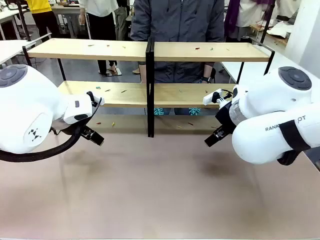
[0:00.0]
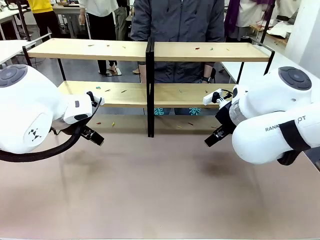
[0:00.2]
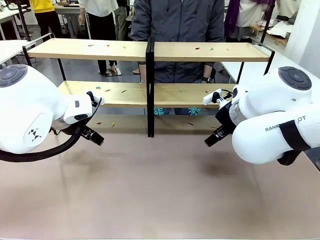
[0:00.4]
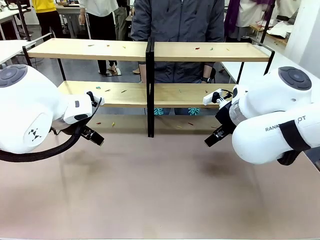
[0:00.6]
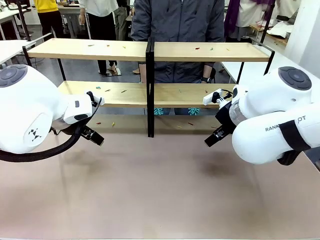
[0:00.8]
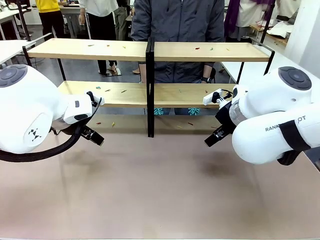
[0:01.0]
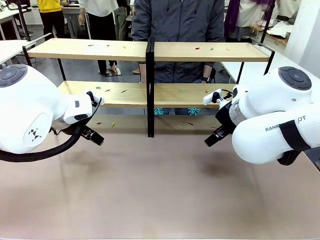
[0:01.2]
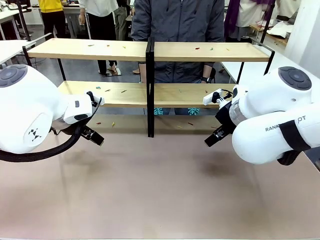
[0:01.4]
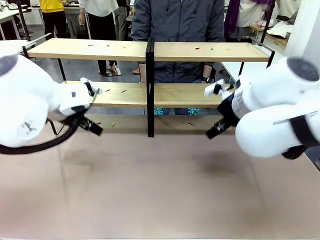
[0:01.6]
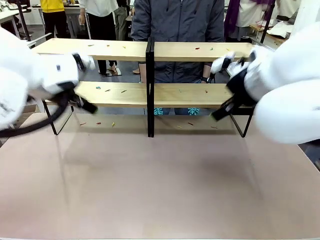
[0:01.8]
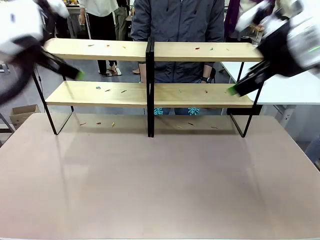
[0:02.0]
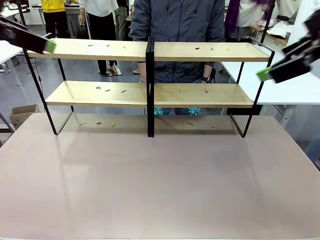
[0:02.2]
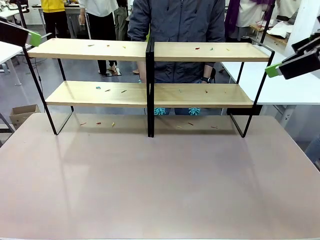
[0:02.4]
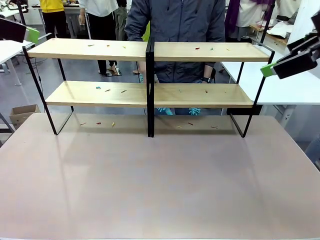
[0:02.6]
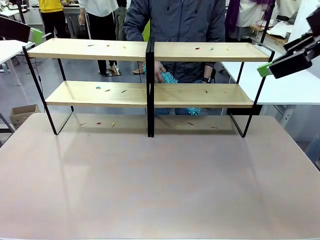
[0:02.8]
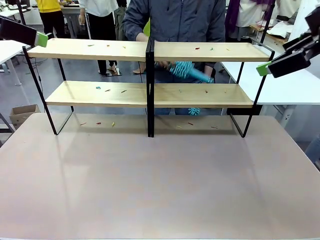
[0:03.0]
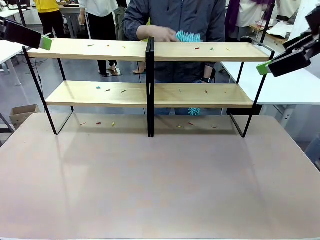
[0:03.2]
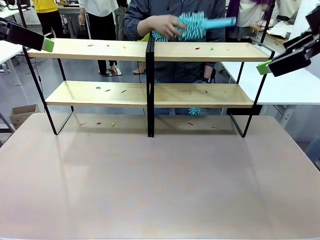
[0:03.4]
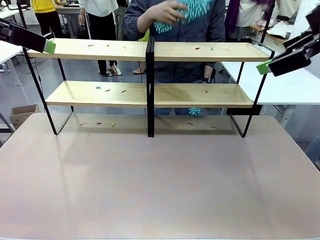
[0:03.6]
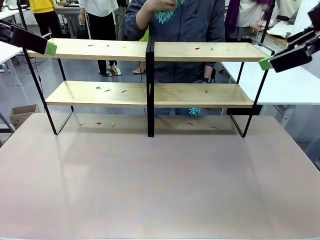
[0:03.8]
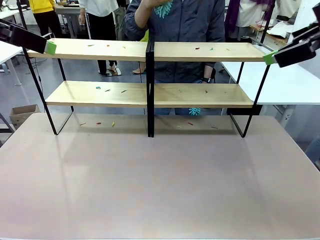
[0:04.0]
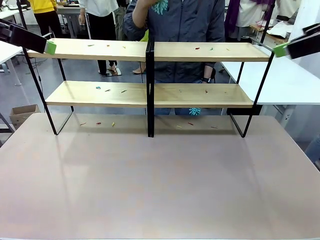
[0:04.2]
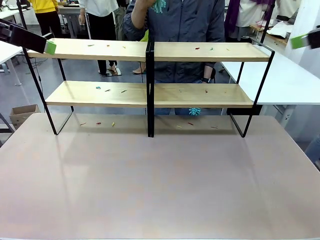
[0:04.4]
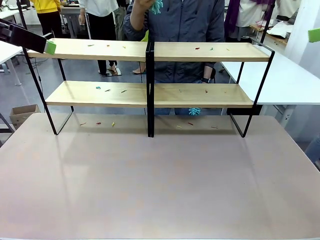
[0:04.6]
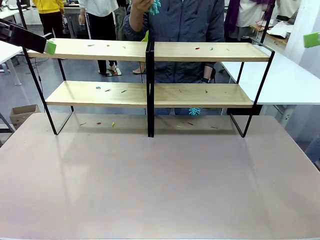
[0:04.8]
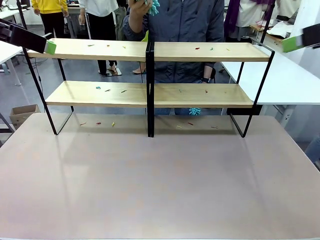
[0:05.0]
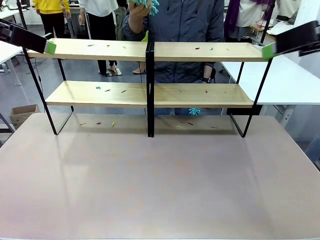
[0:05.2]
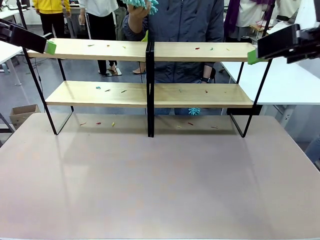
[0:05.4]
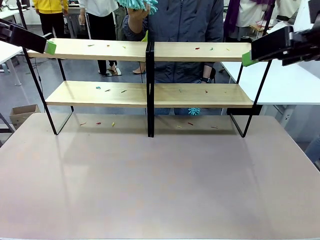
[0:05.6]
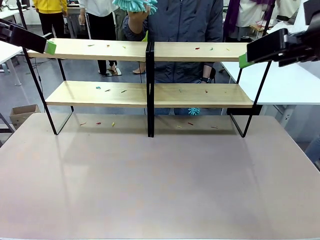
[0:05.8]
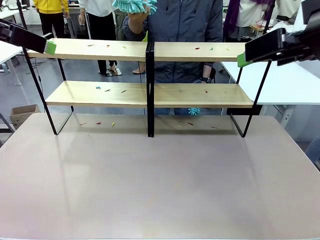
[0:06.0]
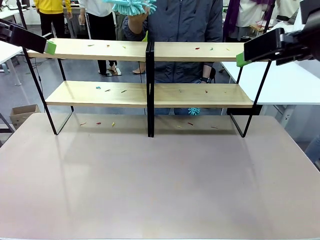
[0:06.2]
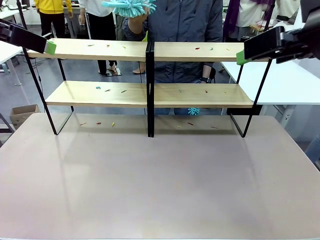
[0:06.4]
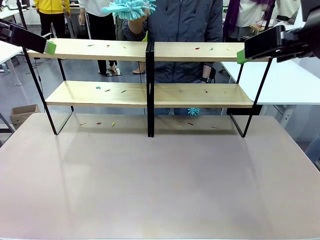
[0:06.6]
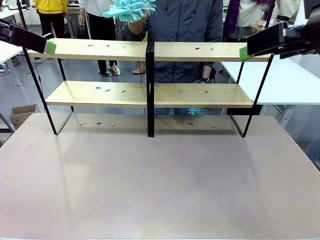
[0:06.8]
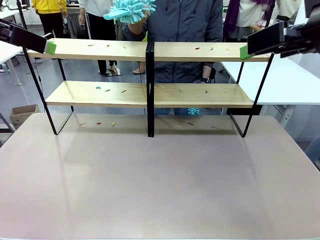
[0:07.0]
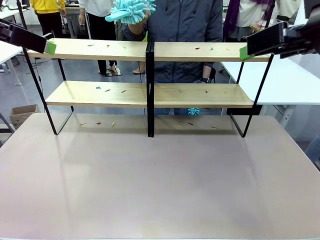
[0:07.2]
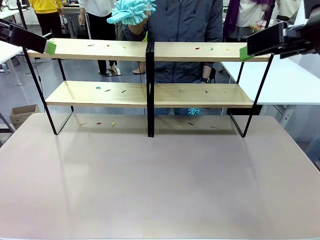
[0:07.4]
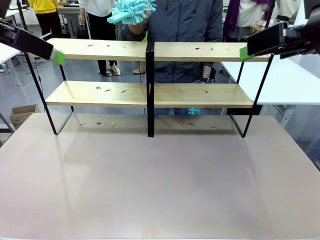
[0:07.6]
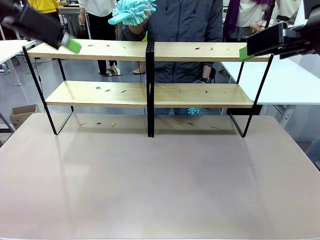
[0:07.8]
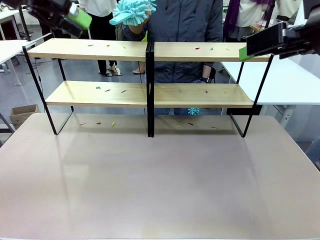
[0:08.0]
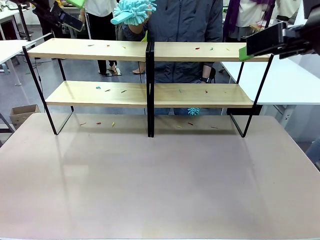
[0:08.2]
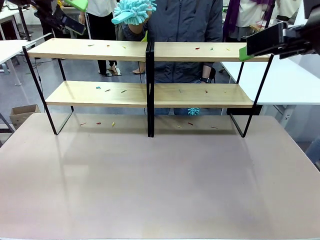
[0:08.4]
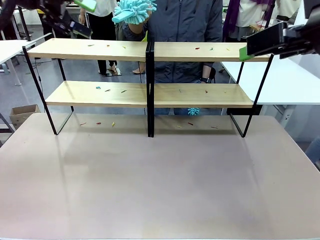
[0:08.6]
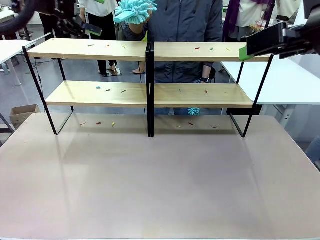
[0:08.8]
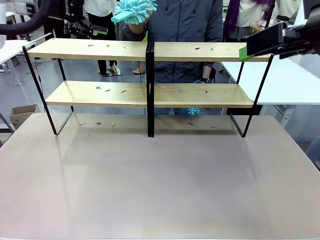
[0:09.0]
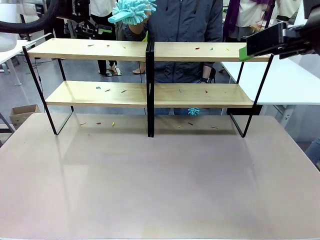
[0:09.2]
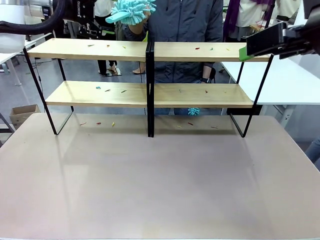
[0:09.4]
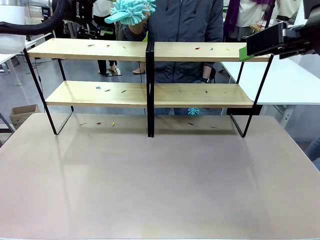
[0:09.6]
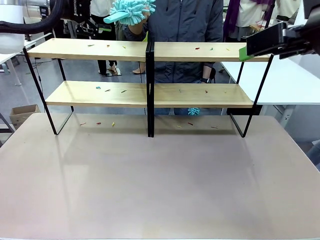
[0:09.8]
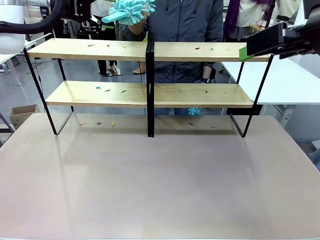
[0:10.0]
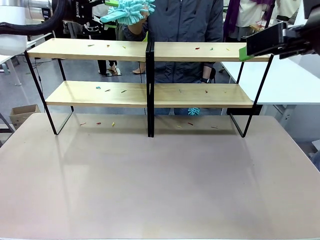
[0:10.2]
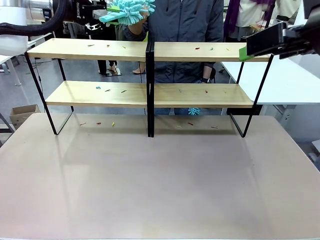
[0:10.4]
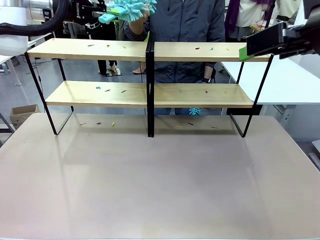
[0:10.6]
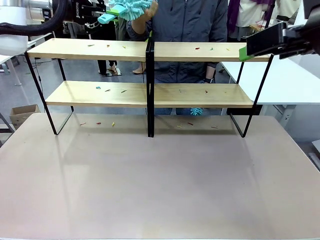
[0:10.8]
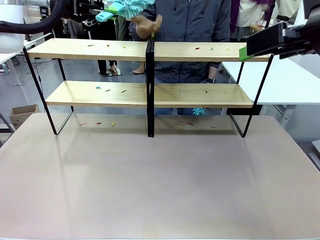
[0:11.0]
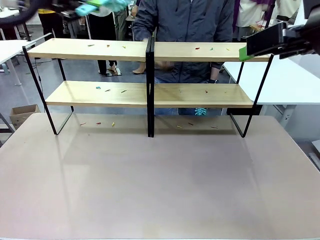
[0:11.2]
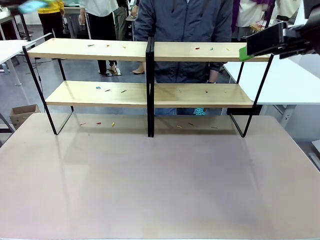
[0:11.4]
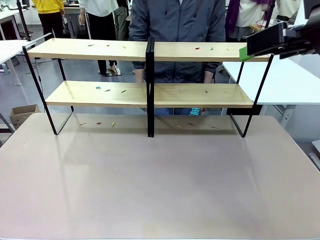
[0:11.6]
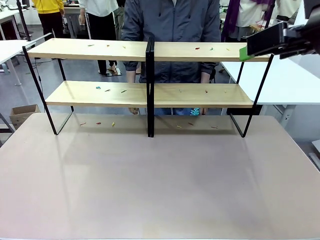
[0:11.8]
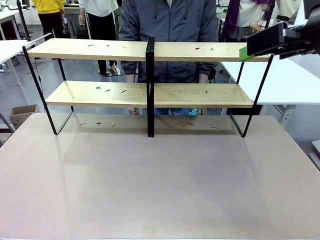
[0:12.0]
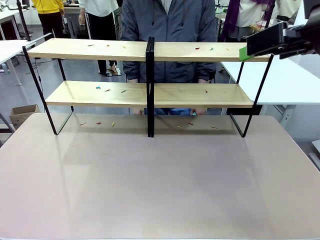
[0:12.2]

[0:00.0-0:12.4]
Task: Clean the shelves.
Robot: Pick up the Duster when the human hands it over.
Person: Hand the Duster to the robot with your right (or left) hand.

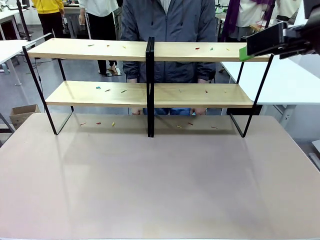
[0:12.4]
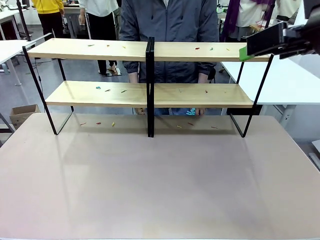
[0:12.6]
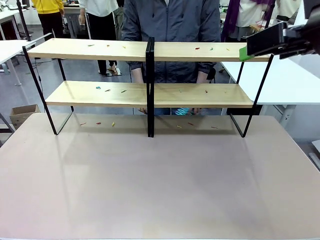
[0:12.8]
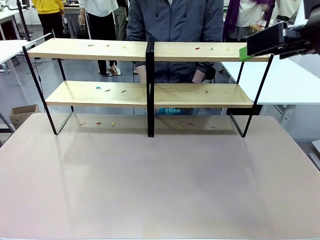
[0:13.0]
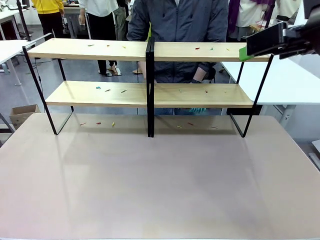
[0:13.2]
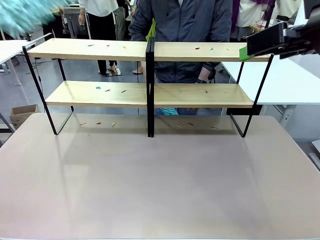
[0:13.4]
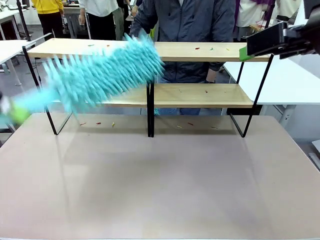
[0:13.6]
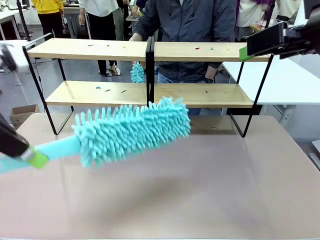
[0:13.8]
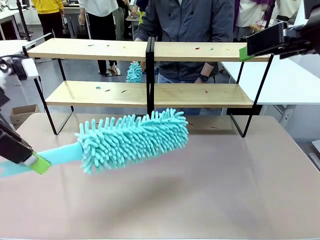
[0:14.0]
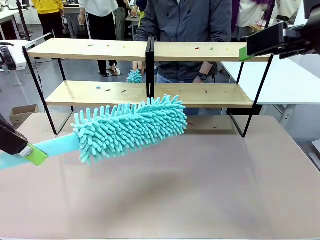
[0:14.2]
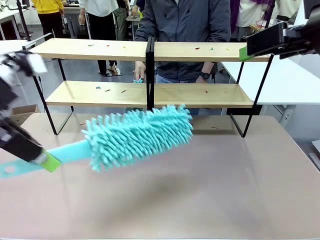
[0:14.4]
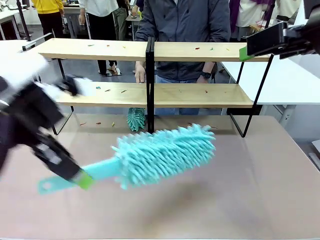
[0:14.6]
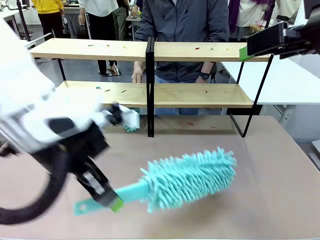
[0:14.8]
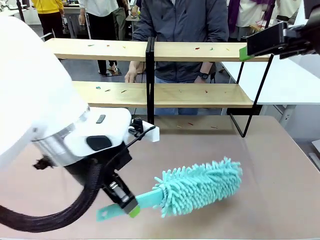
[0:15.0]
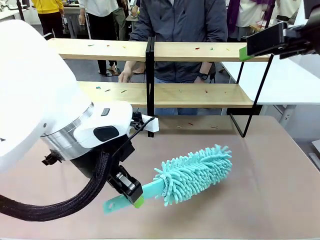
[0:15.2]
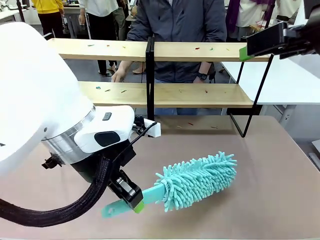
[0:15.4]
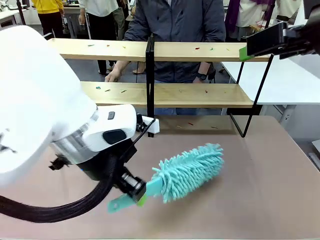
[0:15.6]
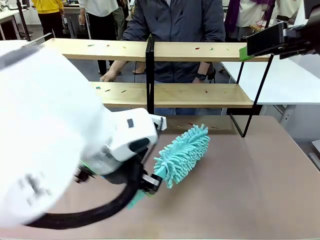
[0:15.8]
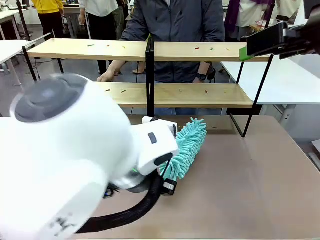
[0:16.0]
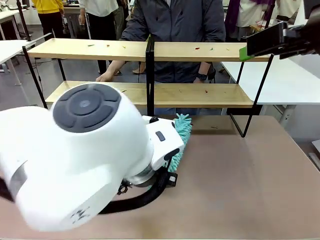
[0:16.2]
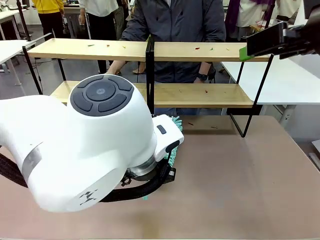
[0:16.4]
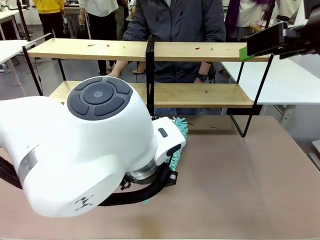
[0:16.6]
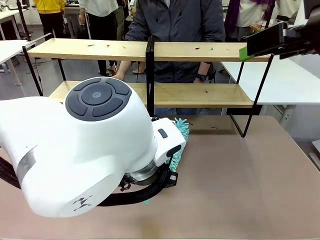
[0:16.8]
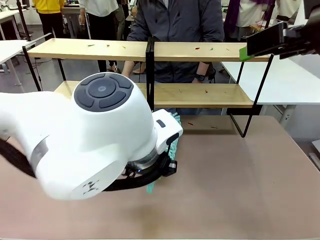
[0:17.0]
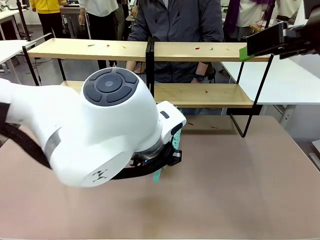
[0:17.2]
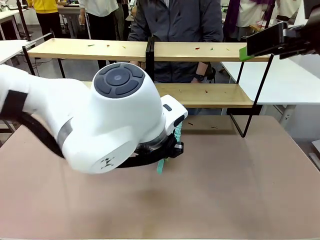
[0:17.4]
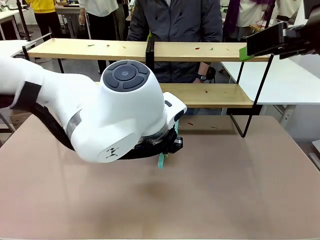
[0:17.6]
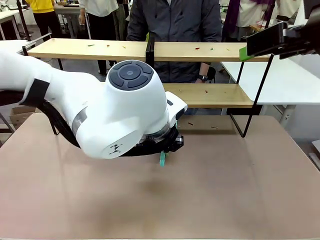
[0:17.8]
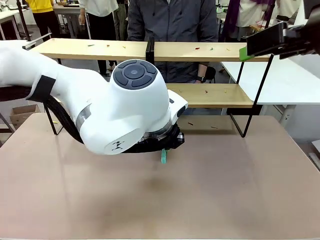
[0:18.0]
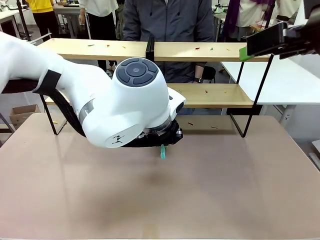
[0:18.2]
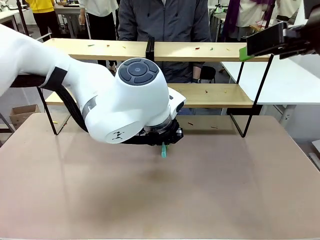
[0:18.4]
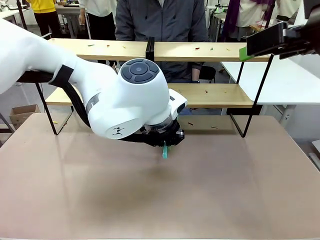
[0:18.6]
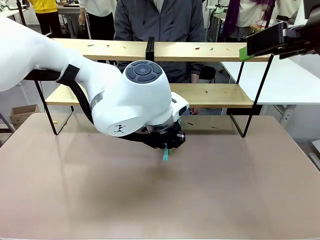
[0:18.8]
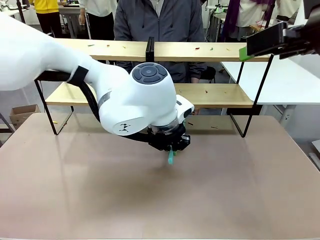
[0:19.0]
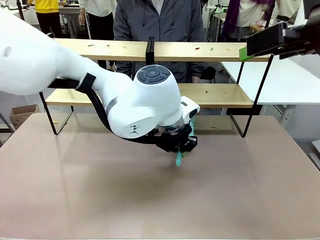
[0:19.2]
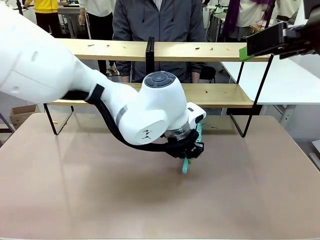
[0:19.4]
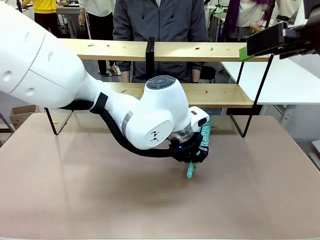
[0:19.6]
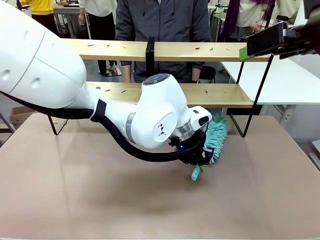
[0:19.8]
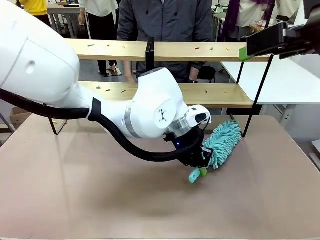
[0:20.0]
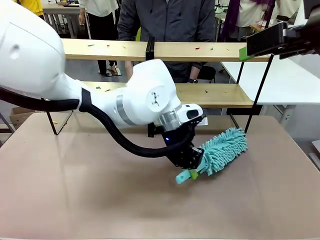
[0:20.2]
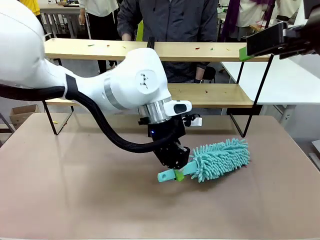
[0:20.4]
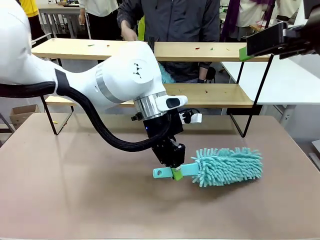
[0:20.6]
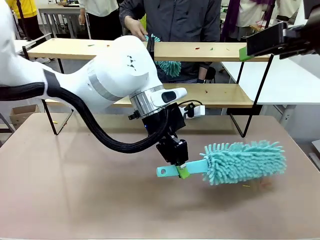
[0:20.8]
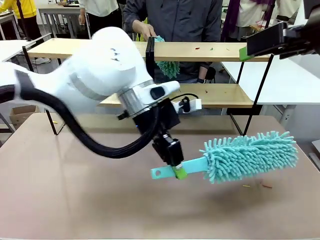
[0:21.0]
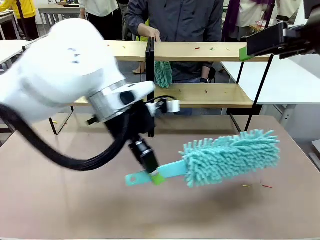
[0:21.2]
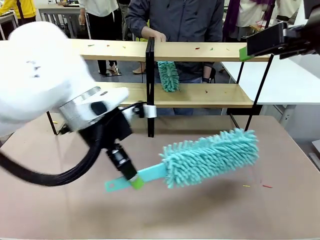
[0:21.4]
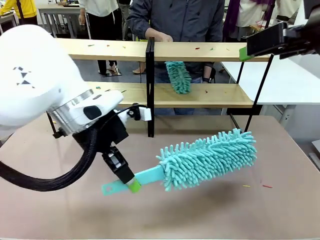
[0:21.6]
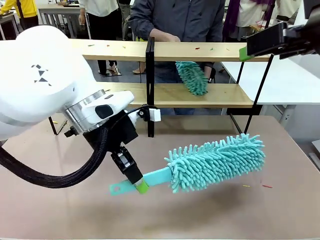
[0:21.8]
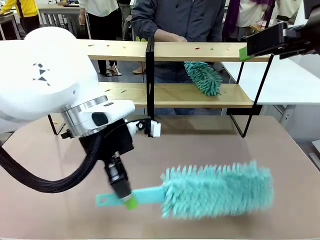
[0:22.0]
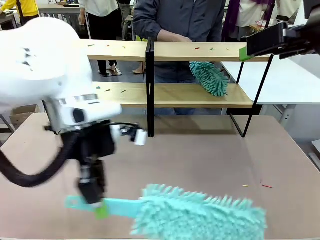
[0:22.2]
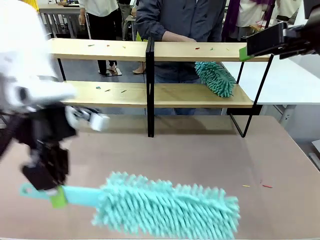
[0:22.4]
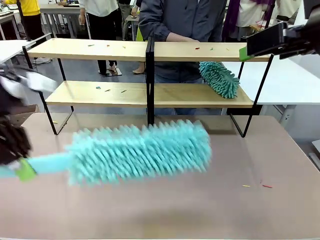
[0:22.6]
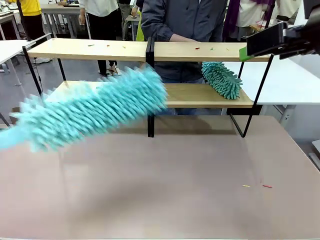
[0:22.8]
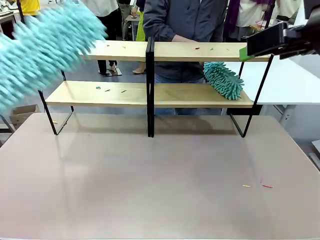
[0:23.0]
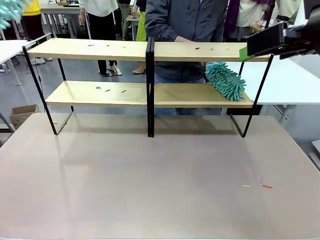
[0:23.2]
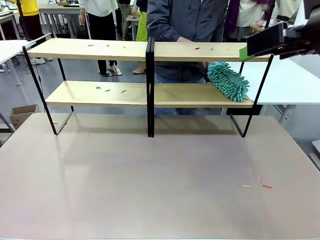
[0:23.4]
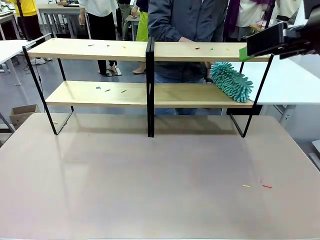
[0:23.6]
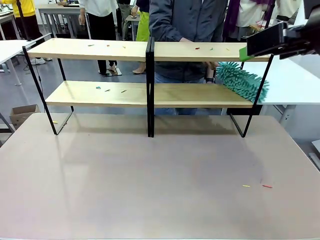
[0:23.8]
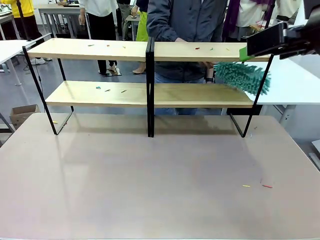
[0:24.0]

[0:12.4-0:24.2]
Robot: Clean a randomly selected level of the Shelf with the Duster.
